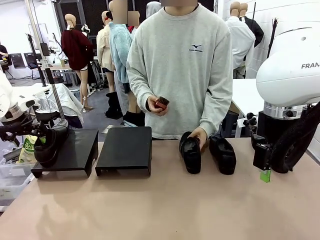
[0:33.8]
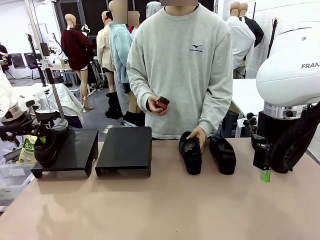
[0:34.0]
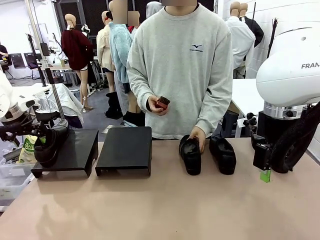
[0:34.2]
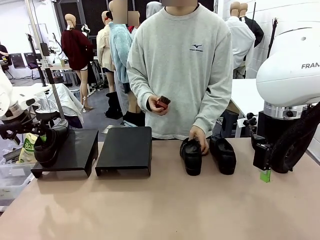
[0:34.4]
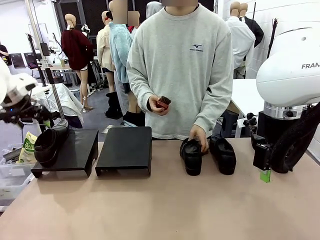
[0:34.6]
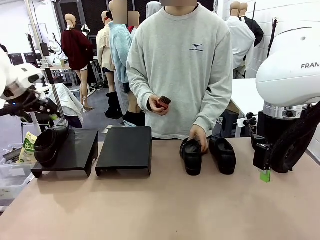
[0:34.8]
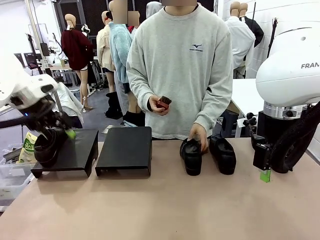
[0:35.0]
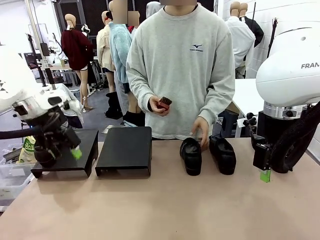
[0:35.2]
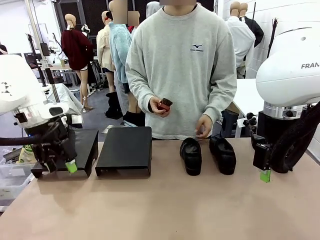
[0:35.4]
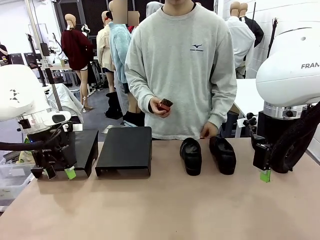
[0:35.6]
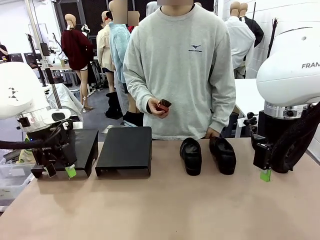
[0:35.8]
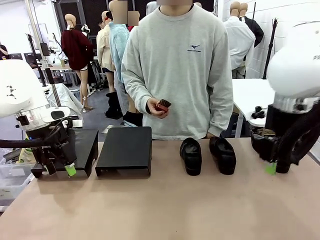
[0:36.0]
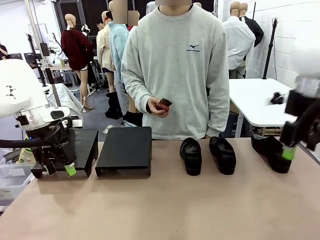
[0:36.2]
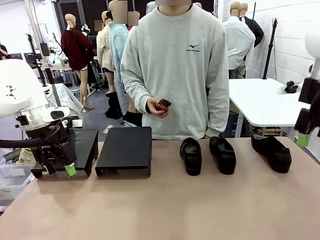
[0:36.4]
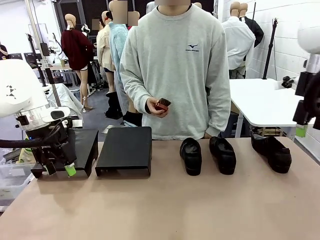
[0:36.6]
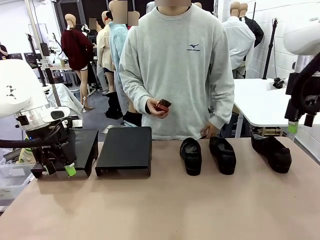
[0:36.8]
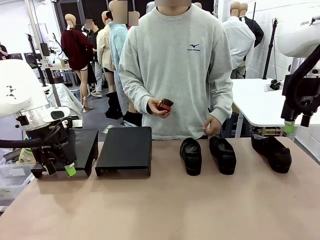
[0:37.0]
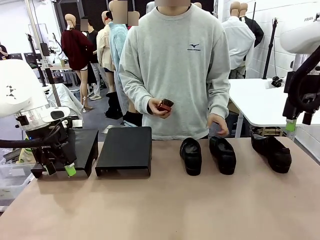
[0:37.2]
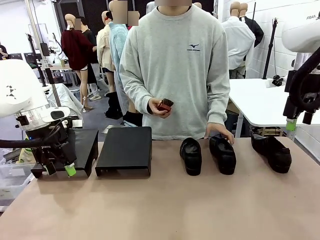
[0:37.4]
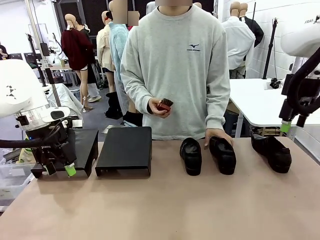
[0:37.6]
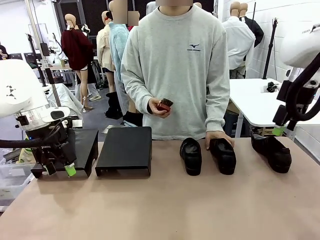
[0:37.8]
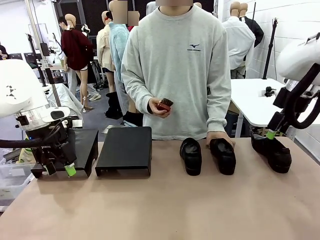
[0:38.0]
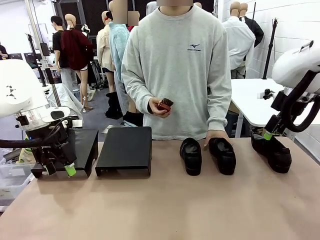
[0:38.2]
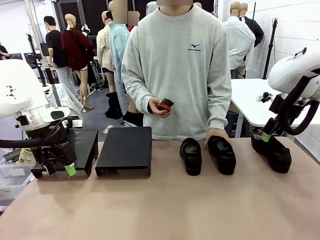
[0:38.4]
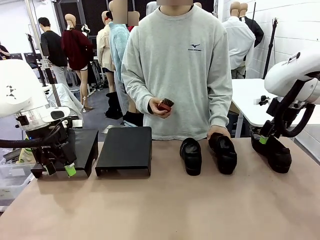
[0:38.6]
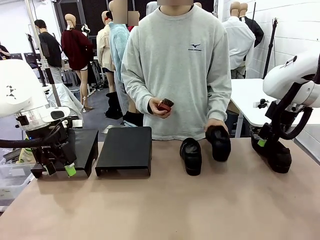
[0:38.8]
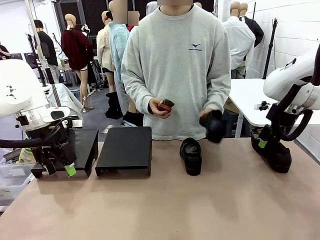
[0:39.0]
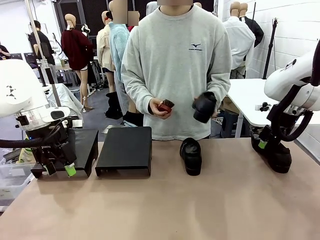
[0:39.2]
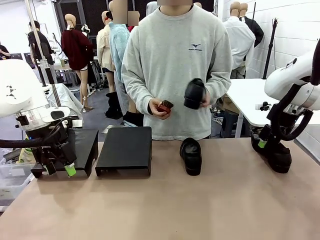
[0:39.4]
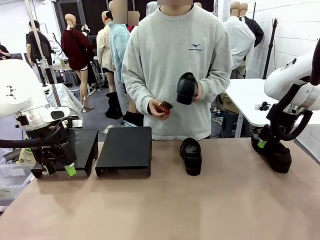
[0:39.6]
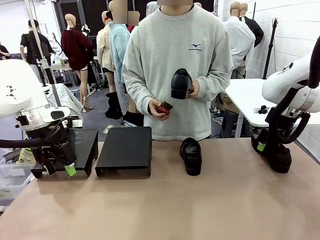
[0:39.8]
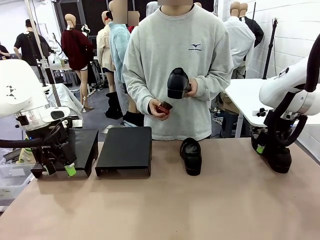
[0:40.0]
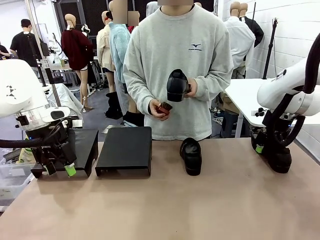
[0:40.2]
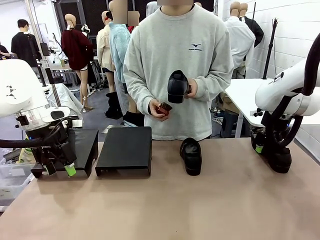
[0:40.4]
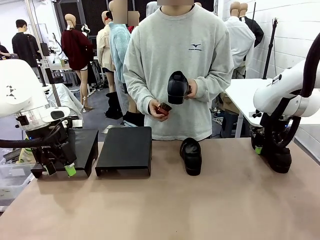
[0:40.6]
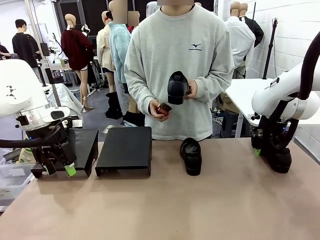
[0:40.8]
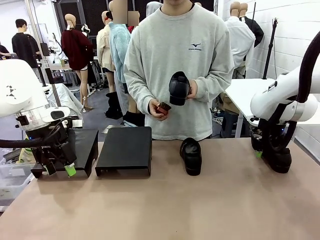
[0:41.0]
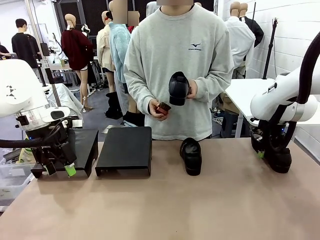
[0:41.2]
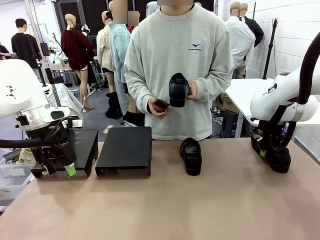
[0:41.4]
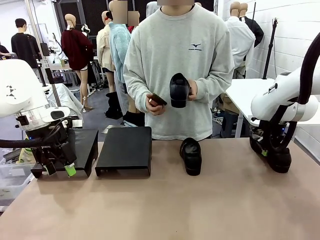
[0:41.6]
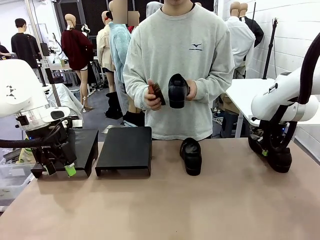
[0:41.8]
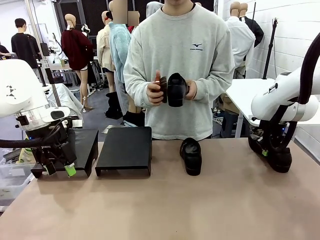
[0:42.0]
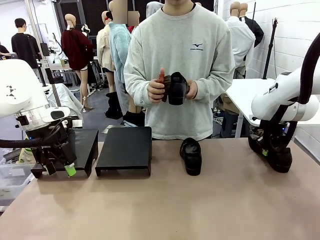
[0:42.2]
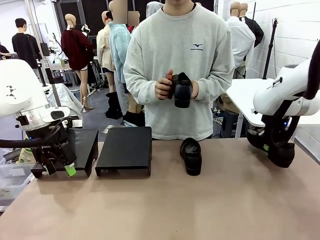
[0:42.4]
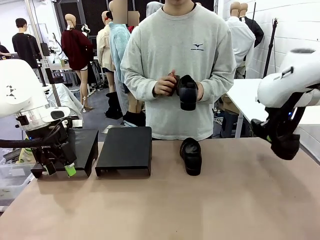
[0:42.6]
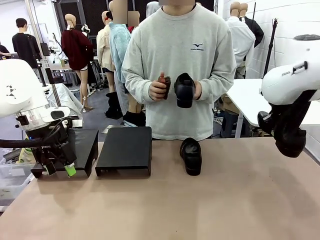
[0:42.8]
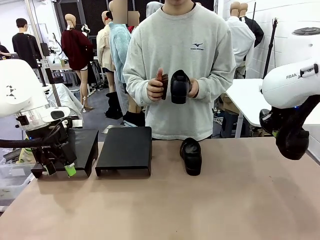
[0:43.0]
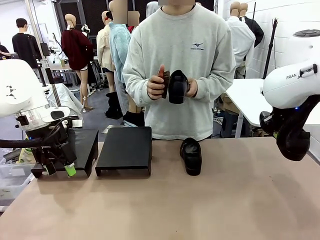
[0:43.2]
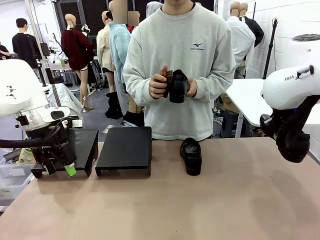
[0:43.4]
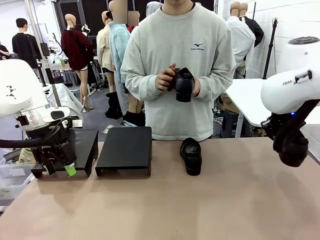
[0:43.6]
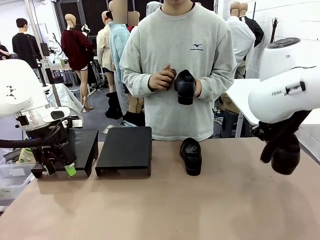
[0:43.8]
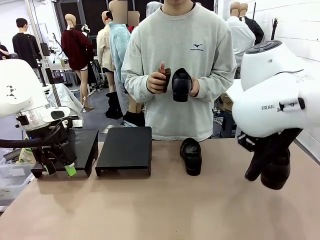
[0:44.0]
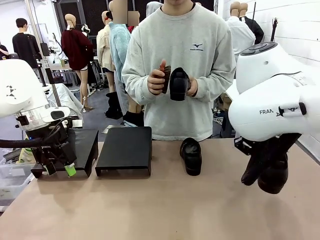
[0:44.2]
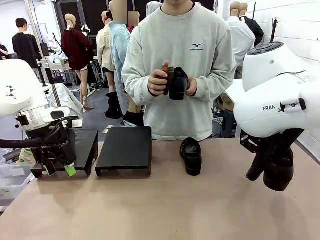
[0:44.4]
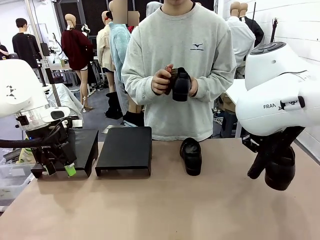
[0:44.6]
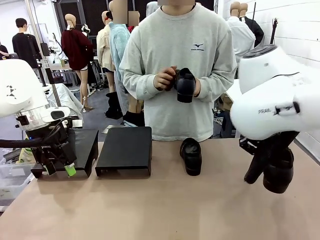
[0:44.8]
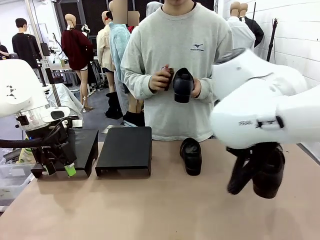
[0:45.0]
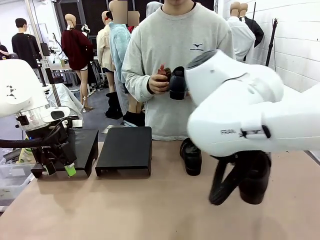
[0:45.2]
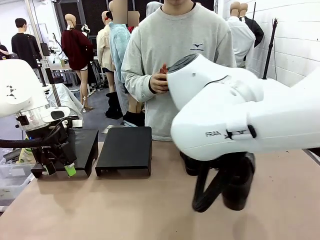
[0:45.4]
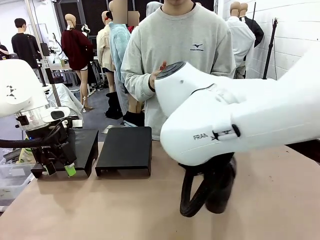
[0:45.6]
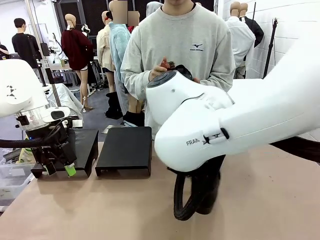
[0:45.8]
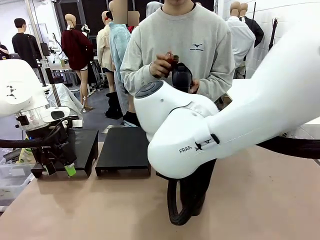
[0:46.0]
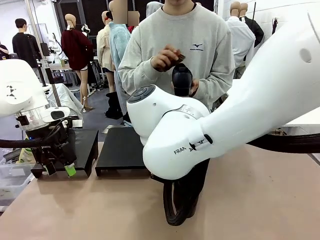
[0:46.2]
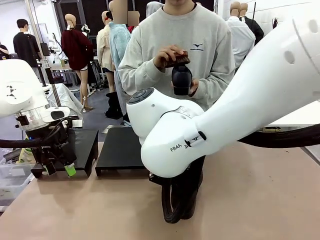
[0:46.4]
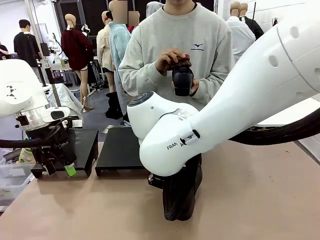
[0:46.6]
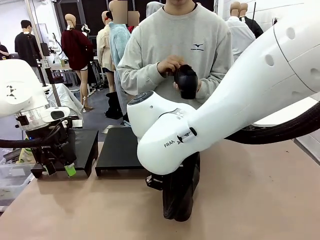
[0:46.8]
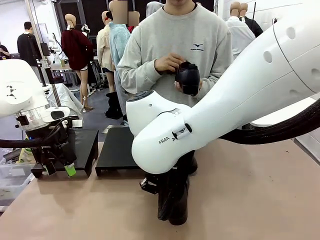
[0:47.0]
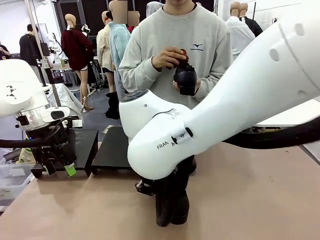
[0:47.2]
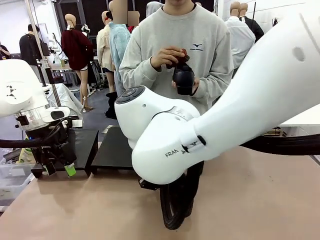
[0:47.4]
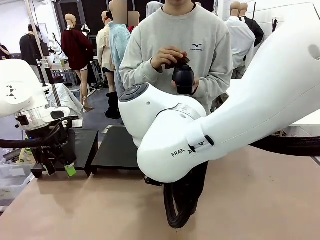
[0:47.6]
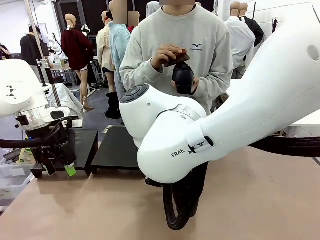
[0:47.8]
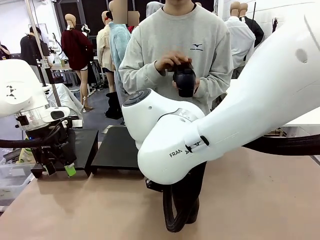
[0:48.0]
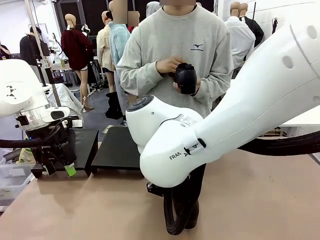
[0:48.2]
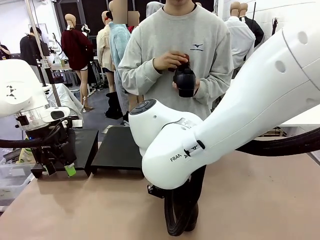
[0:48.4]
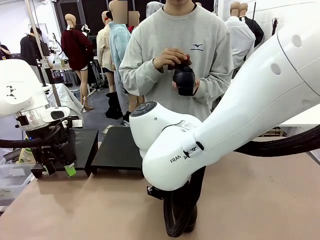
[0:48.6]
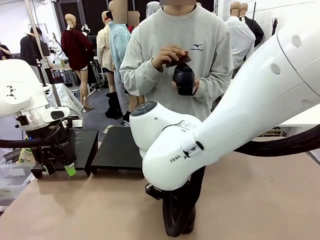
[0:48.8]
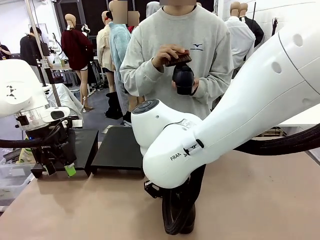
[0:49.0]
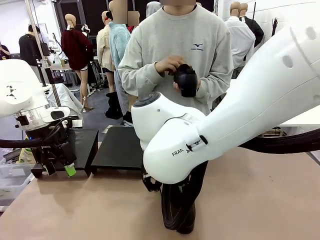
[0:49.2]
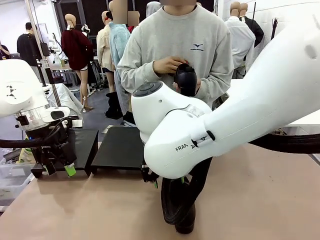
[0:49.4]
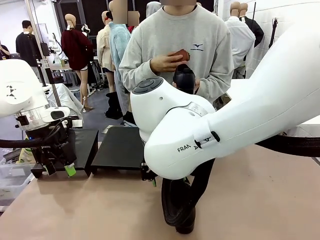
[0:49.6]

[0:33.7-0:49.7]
Task: Organize the shoes by placing them on the stand.
Robot: Pick up one Shoe and place it in the middle of the table.
Person: Pick one Shoe on Robot's table.
